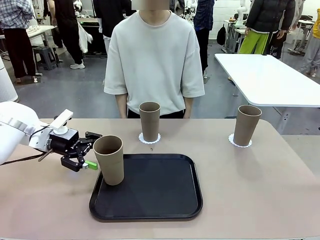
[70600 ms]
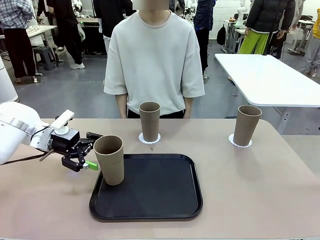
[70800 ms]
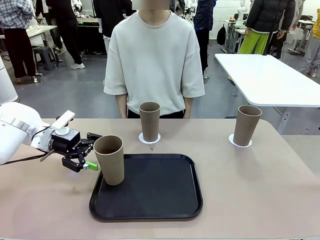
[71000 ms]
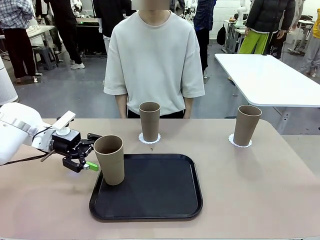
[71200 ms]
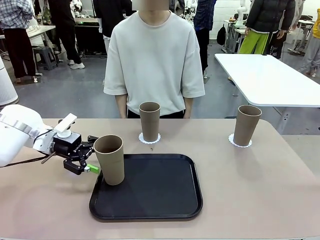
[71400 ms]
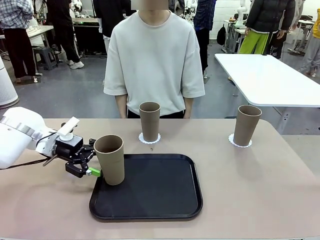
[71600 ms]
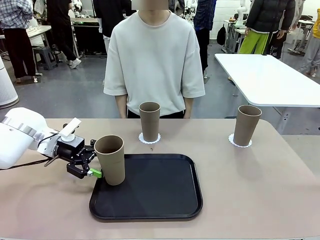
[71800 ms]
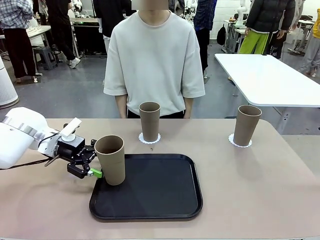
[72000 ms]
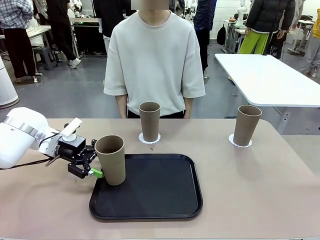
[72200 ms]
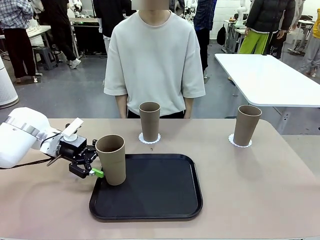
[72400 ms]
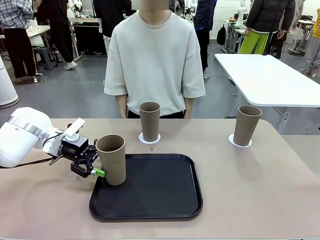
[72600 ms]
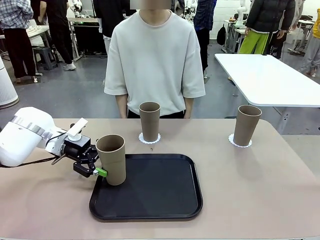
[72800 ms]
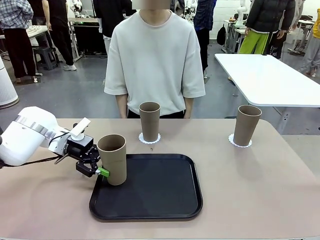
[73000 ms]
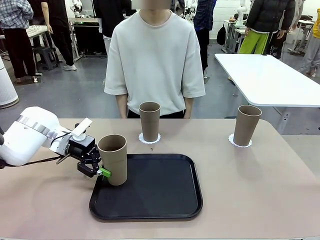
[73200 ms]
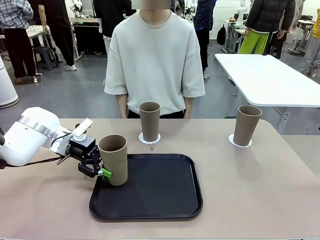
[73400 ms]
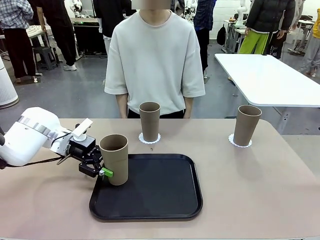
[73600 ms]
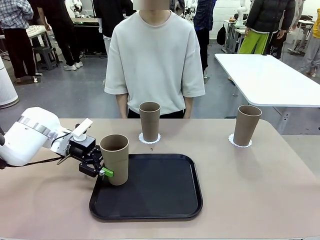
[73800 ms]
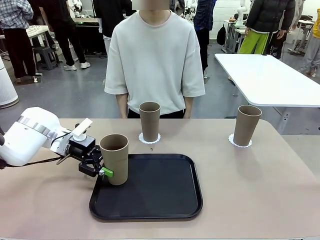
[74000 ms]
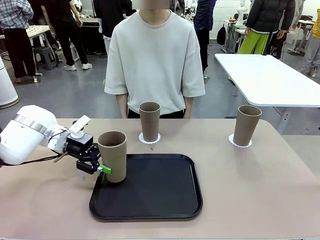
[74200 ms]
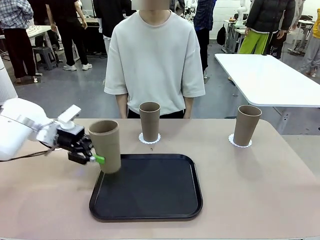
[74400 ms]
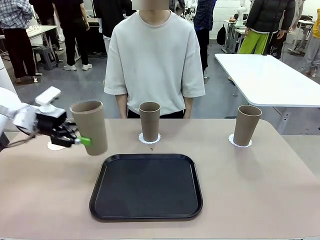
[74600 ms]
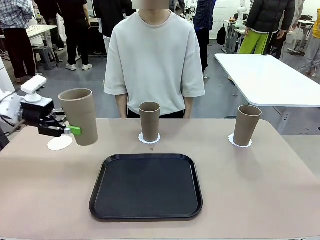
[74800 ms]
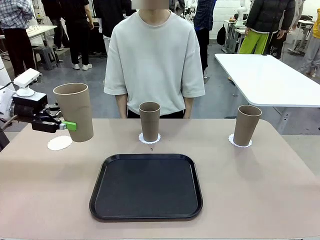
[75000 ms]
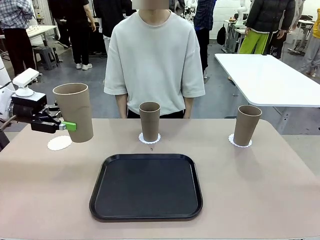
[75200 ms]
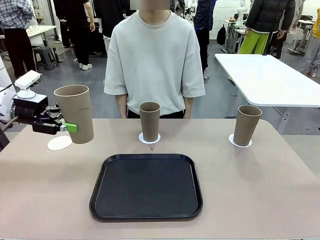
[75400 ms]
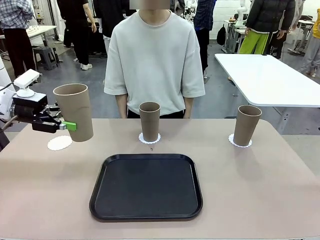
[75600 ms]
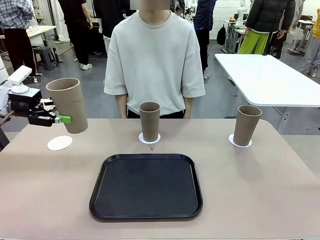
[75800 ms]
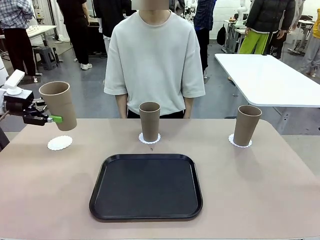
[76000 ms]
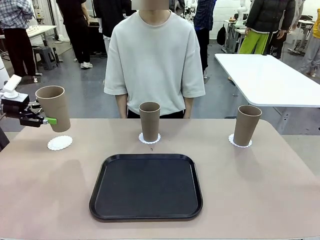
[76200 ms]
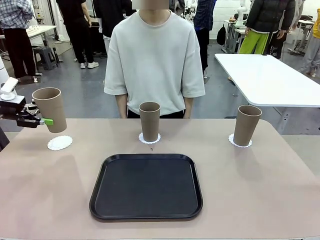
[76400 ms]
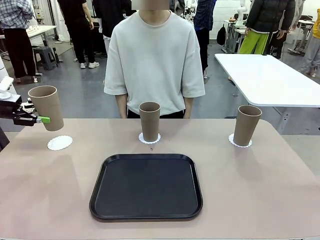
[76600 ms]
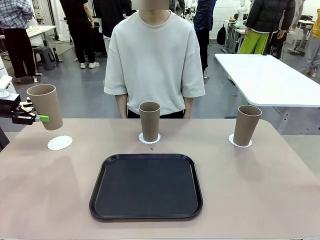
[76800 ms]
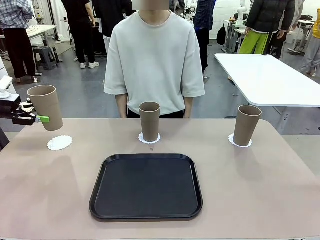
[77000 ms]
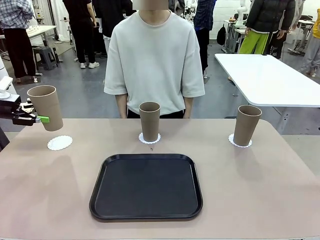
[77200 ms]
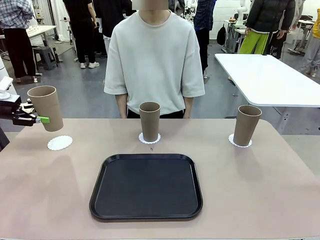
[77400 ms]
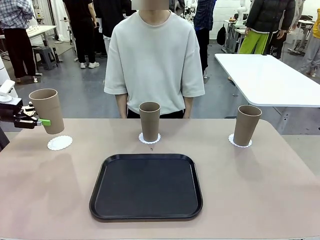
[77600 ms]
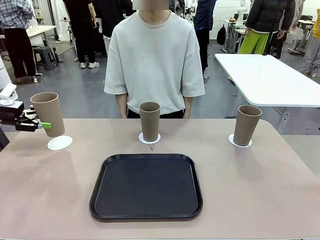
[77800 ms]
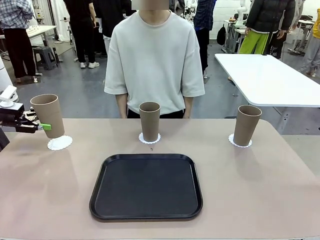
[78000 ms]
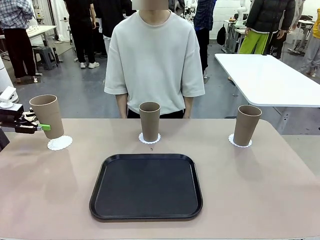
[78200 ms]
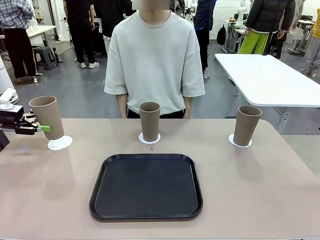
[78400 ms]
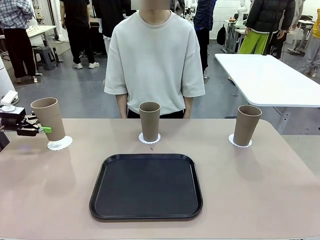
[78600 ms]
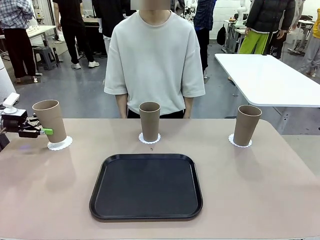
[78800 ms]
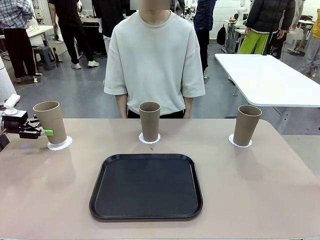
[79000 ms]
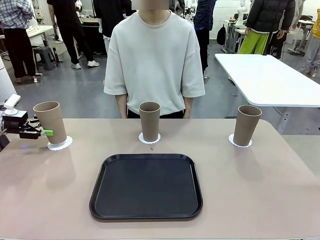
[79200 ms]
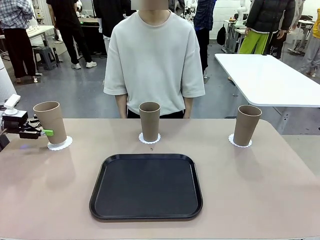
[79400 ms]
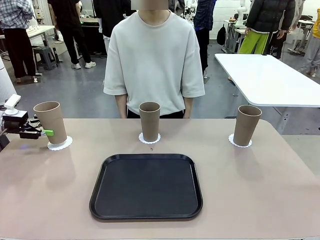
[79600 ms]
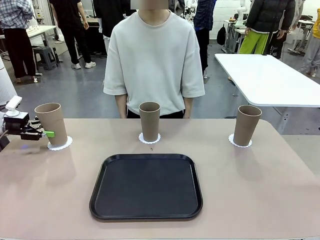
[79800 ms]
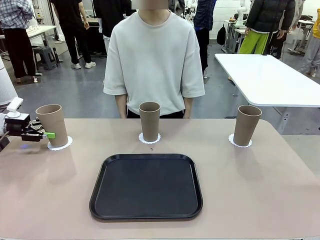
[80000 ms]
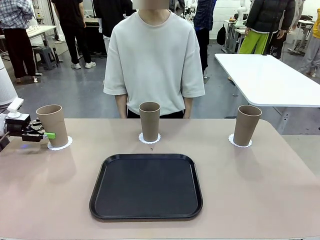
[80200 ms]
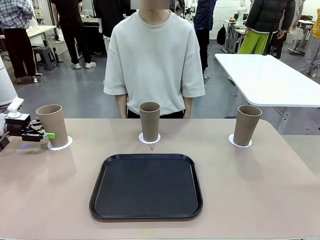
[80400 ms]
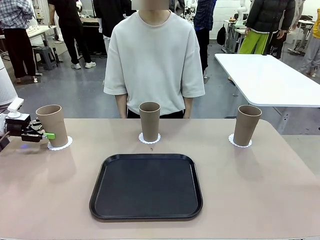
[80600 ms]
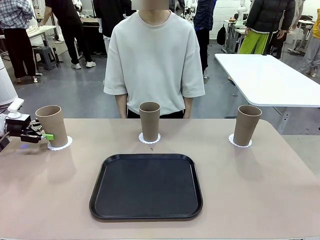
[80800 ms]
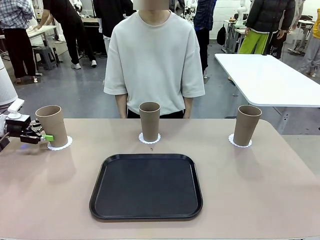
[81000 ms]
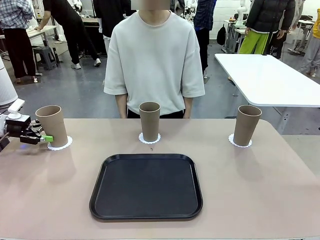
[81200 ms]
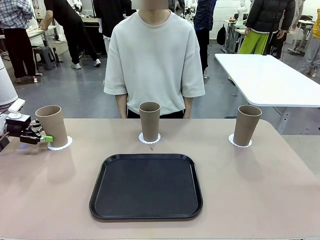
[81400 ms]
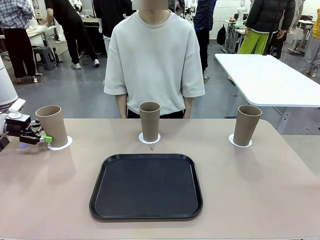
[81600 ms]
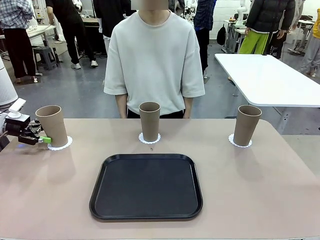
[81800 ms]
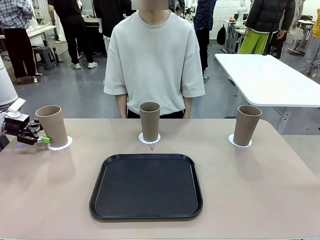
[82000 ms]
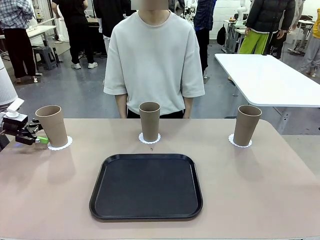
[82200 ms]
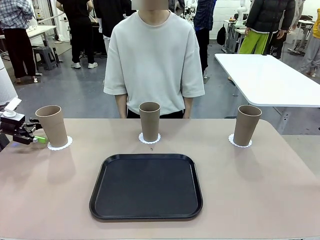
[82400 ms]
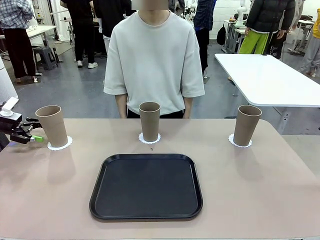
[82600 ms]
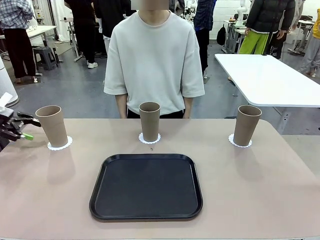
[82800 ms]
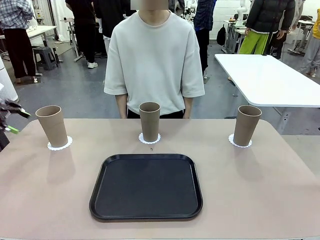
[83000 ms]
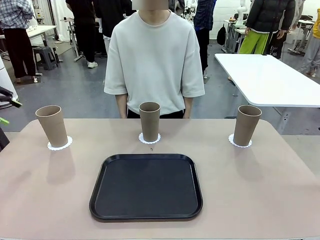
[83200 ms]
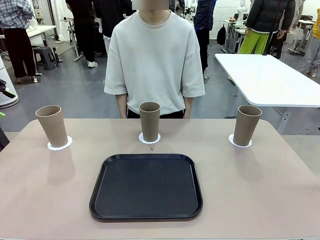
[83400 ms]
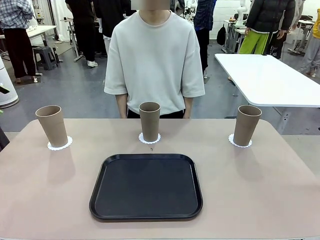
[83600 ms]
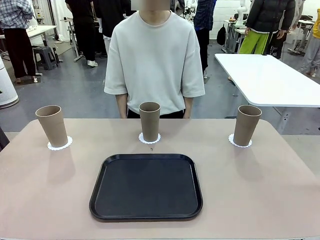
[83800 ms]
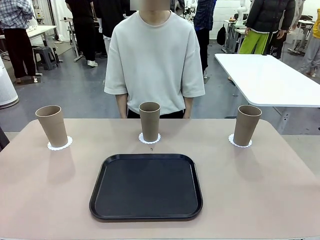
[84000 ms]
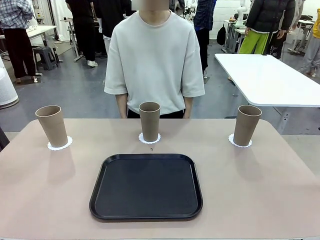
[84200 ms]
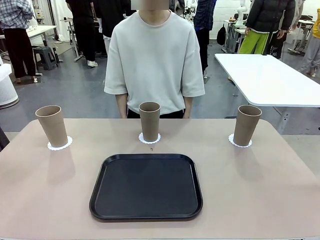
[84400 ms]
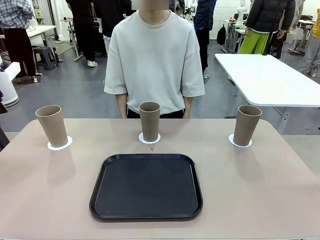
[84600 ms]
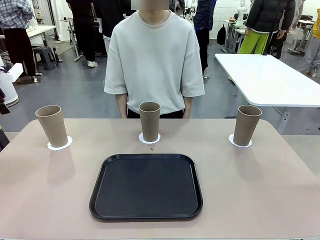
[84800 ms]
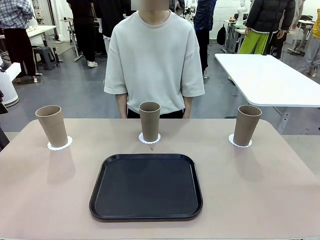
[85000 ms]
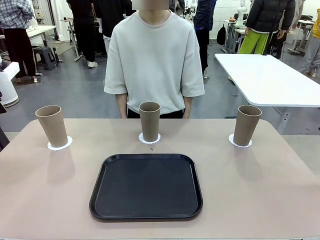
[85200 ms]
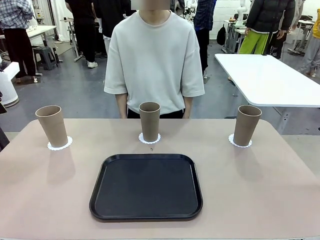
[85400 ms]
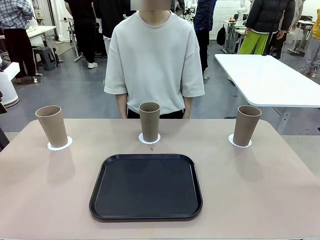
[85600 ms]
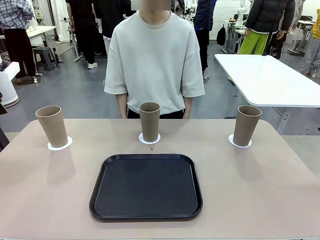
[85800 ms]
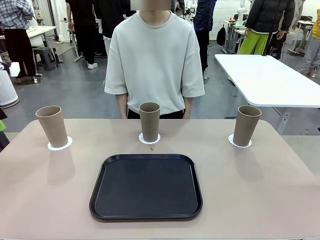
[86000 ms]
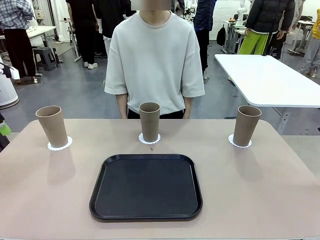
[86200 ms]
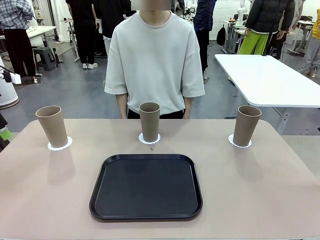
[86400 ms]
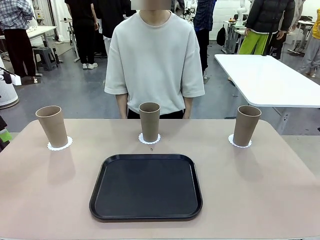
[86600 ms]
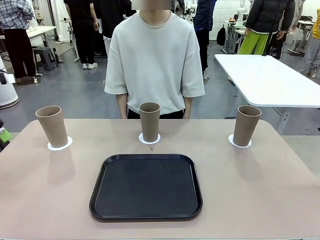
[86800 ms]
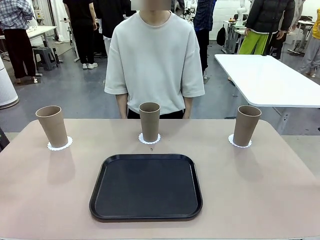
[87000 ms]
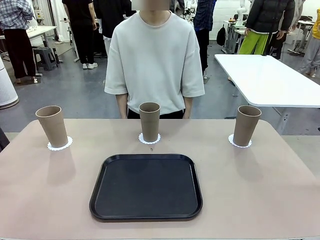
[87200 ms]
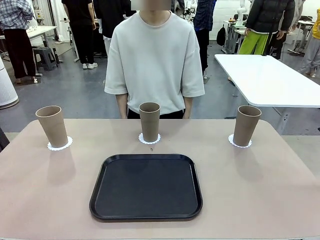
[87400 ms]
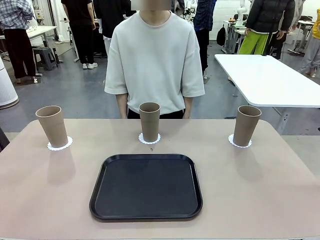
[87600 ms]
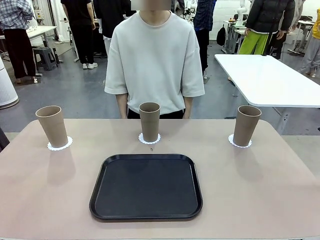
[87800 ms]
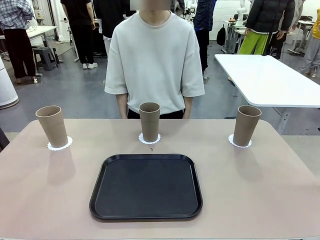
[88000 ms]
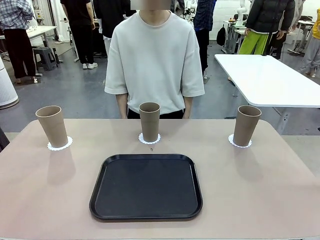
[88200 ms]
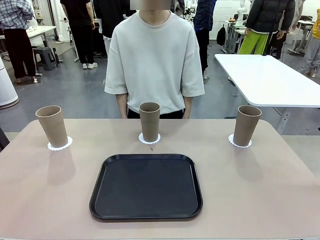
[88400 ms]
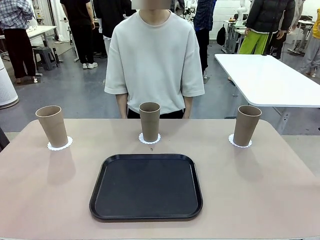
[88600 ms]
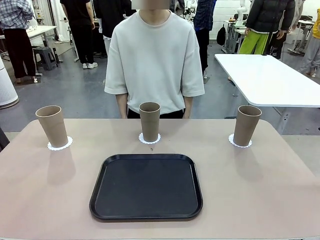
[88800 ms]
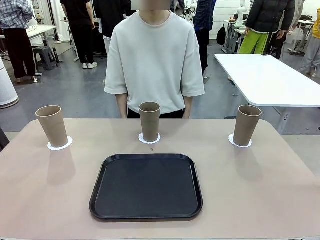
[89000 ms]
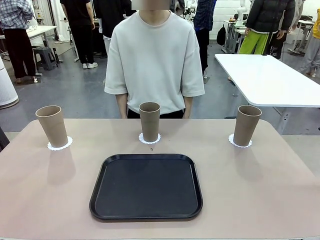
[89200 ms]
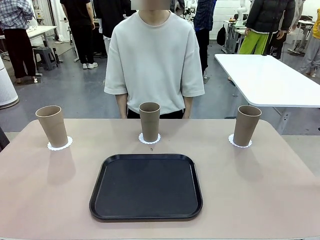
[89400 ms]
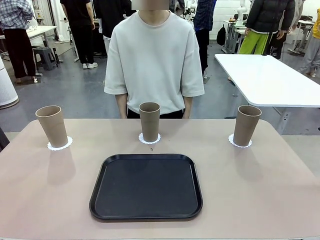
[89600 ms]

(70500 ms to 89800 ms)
Task: Place coasters on the table and set cups on them.
Robot: Take one Reusable plastic cup from the Flat Tray and place it on a coaster set by the human.
